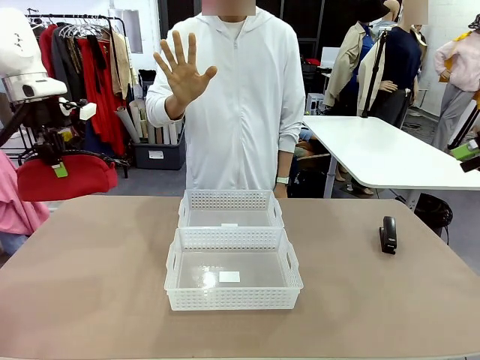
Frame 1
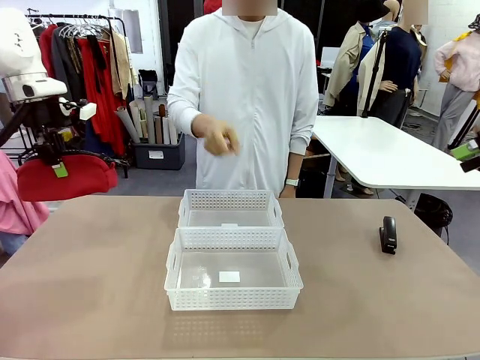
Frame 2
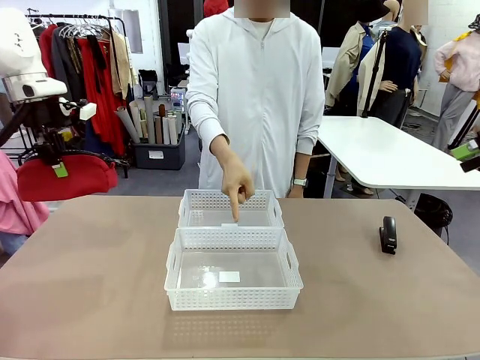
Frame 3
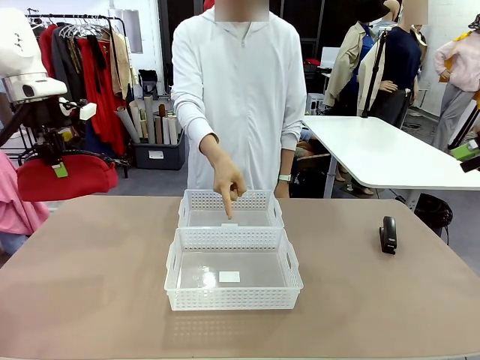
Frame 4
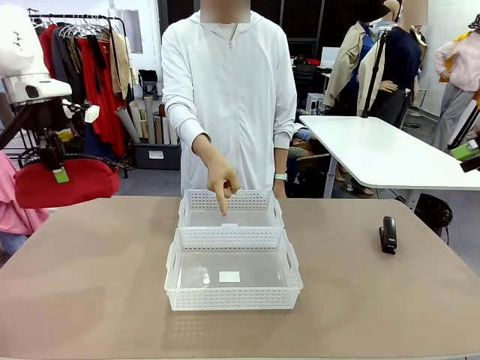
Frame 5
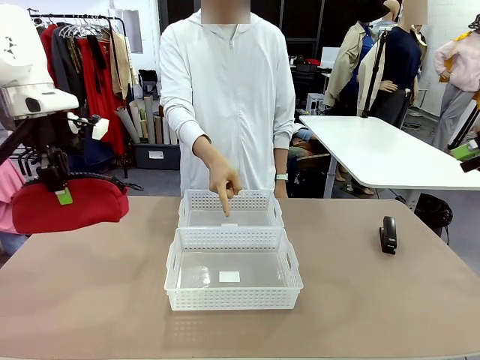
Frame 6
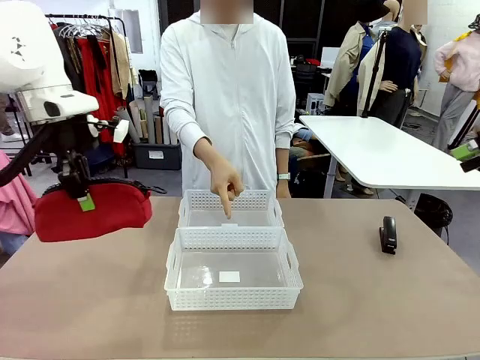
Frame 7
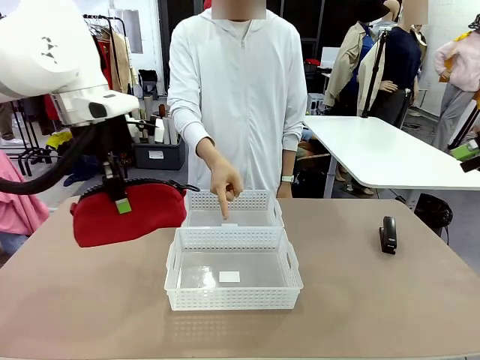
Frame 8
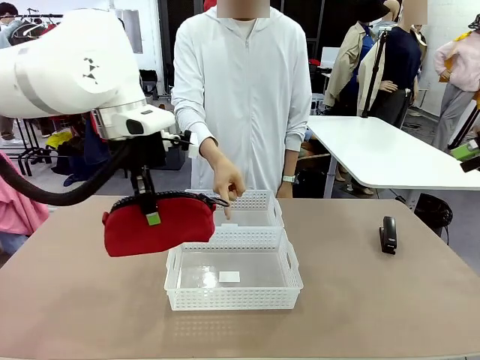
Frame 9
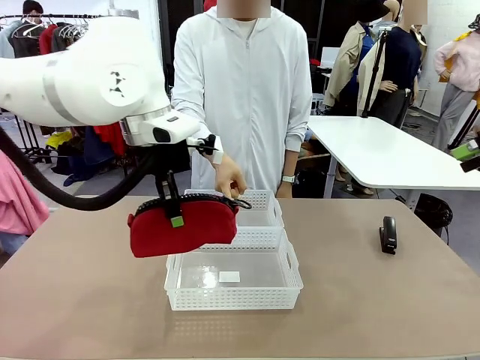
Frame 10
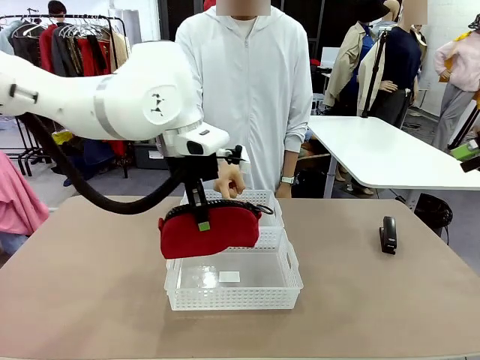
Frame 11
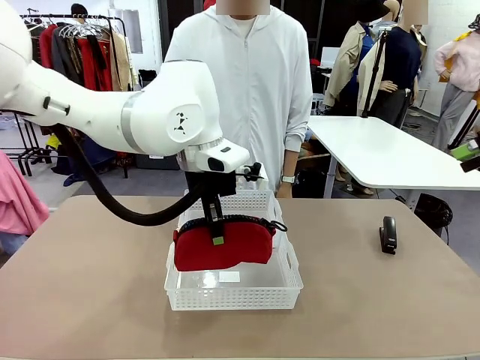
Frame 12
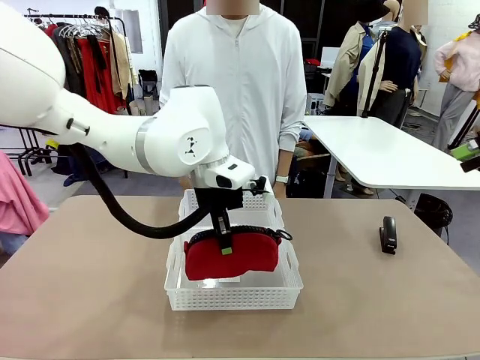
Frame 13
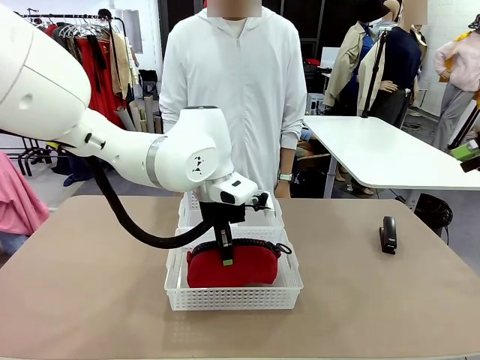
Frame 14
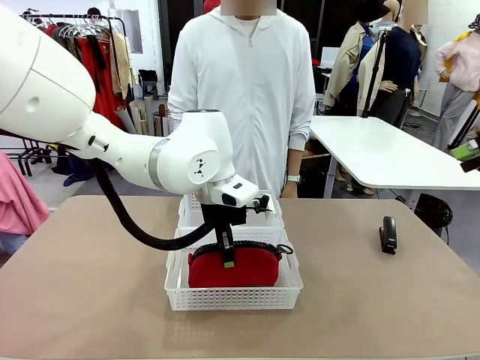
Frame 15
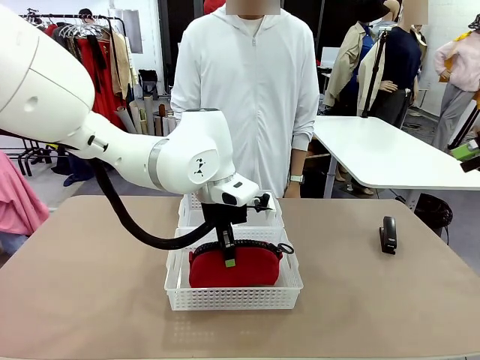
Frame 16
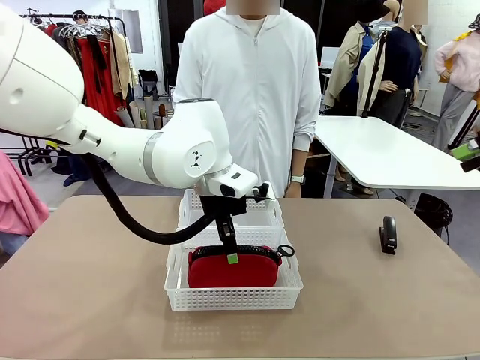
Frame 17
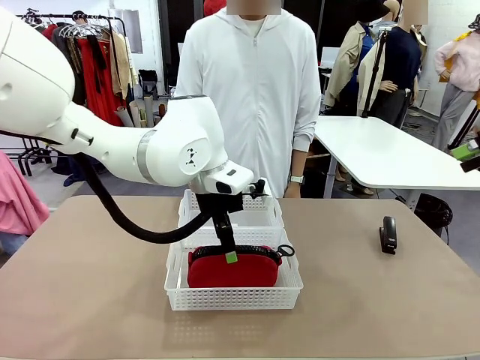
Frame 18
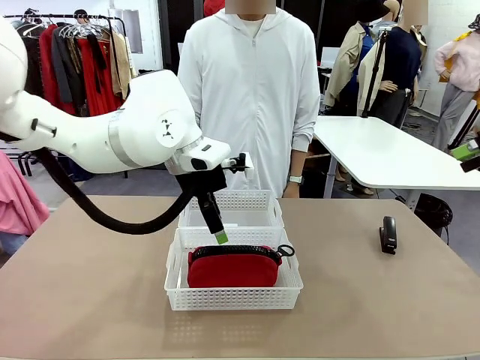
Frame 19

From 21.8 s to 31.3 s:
Task: Distribute items into two baskets.
Robot: Place the picked Pencil pouch into the Organizing basket as instructed by the person.
Person: Instructs the robot to place the pencil case into the opposite basket. Points to the stapler.

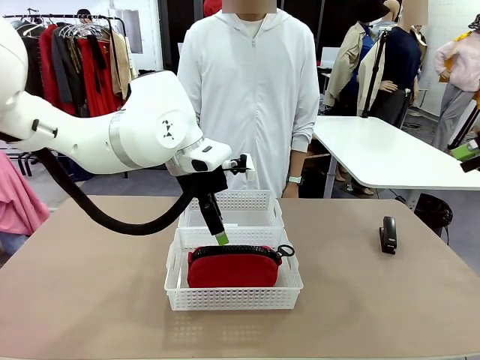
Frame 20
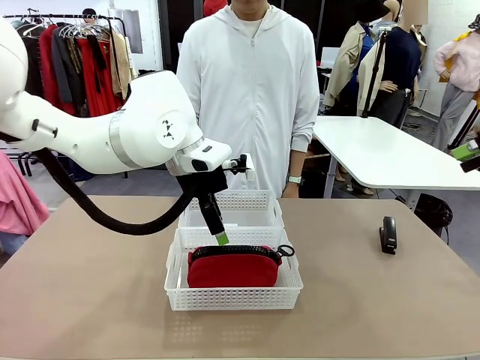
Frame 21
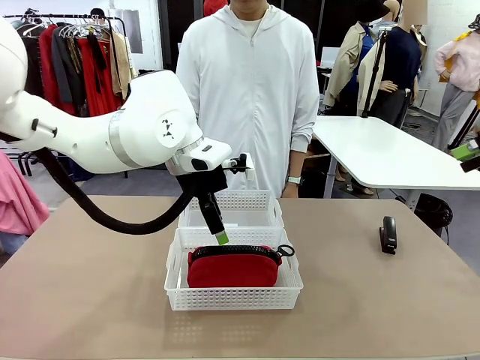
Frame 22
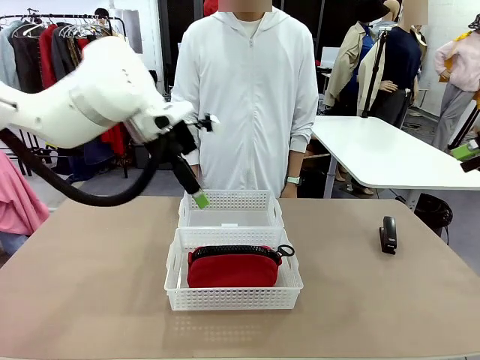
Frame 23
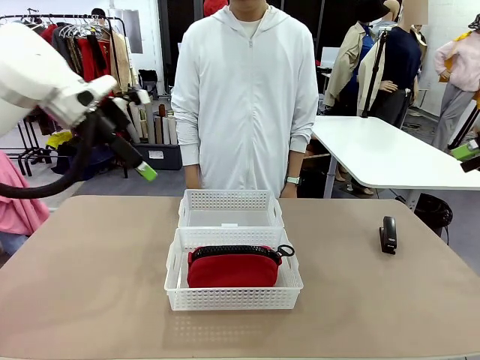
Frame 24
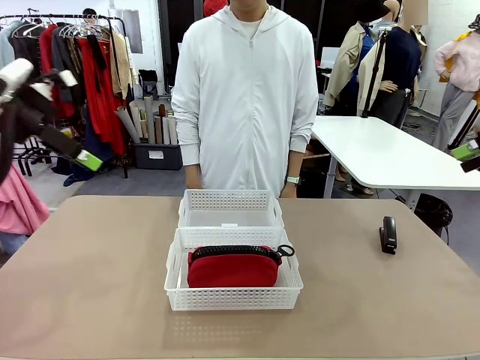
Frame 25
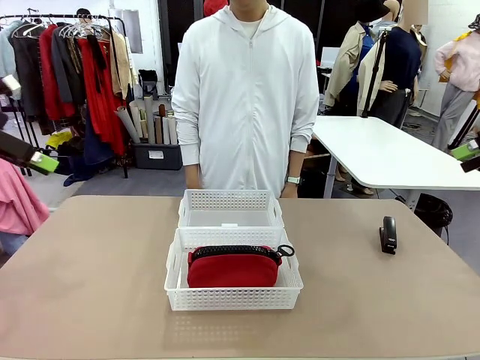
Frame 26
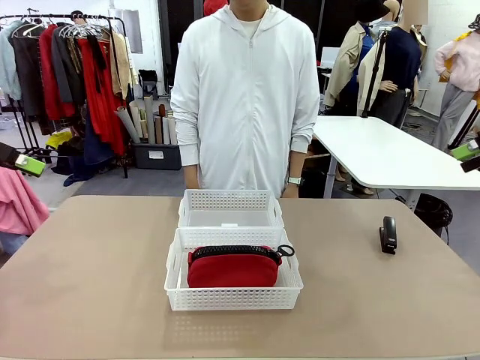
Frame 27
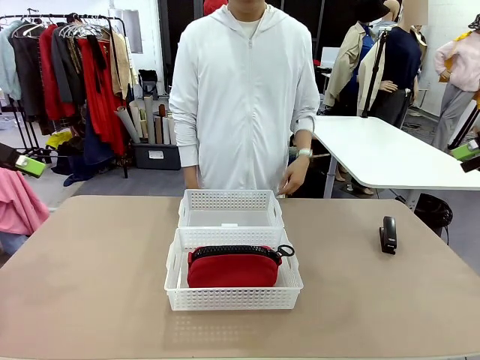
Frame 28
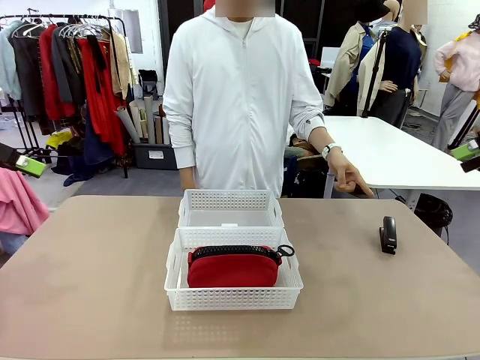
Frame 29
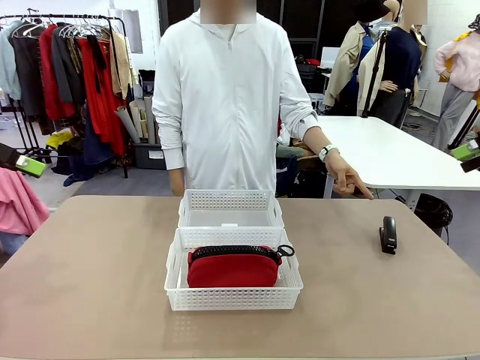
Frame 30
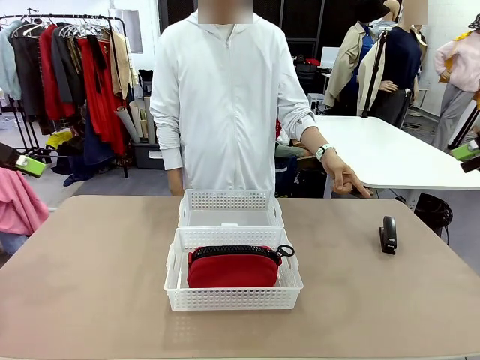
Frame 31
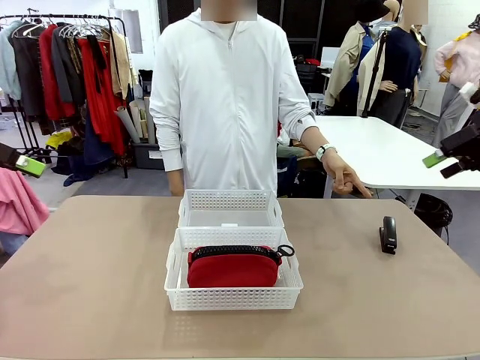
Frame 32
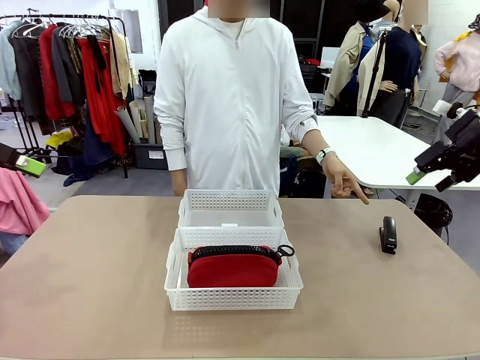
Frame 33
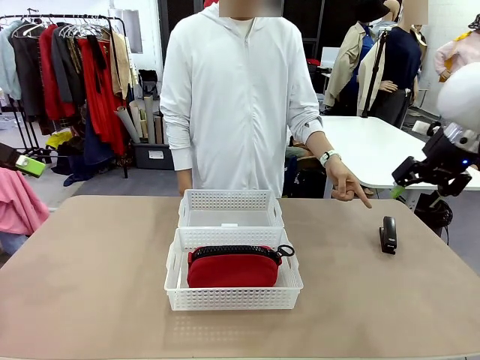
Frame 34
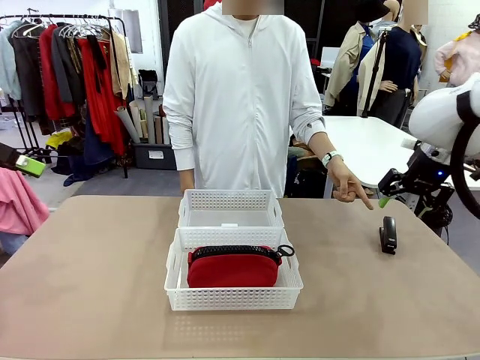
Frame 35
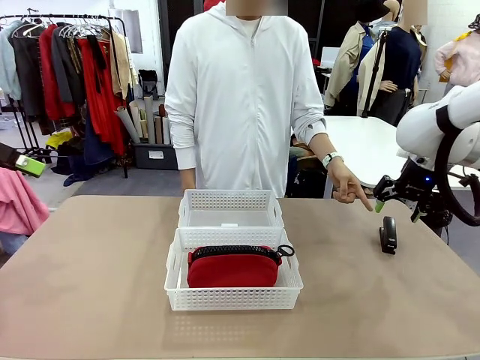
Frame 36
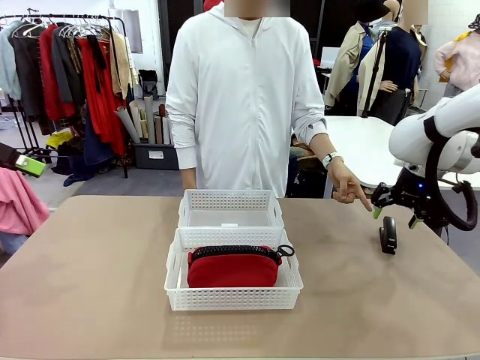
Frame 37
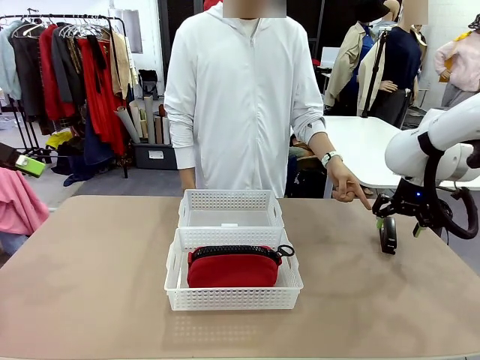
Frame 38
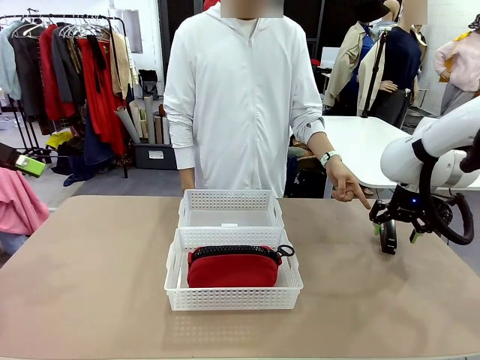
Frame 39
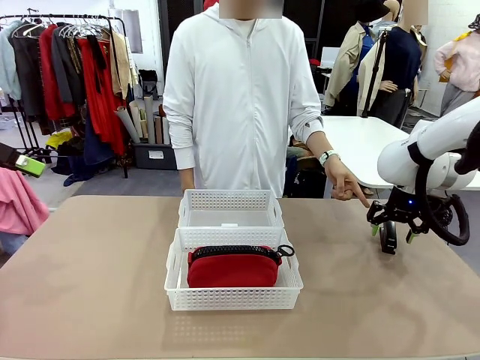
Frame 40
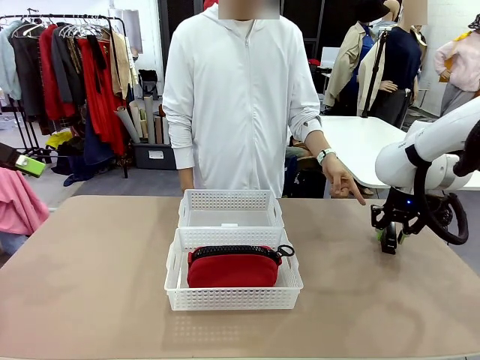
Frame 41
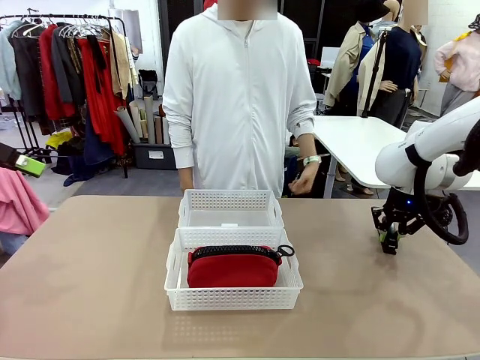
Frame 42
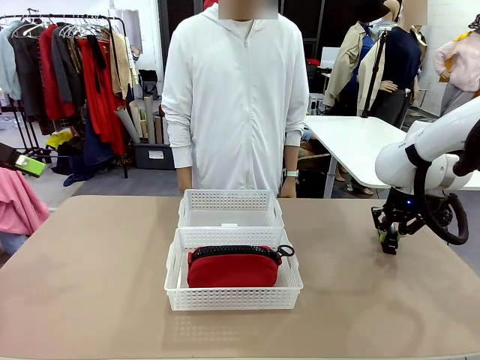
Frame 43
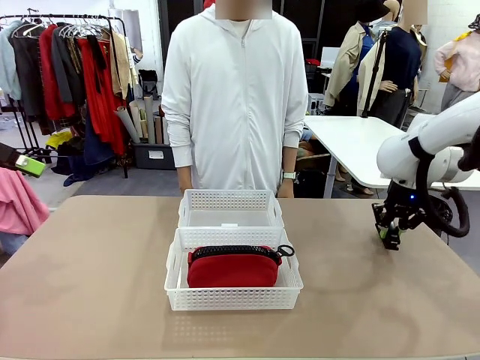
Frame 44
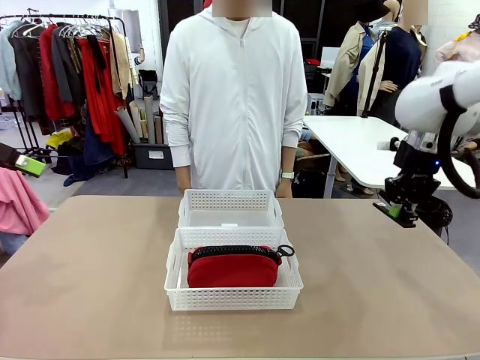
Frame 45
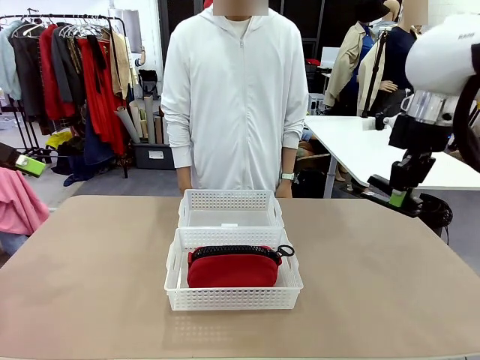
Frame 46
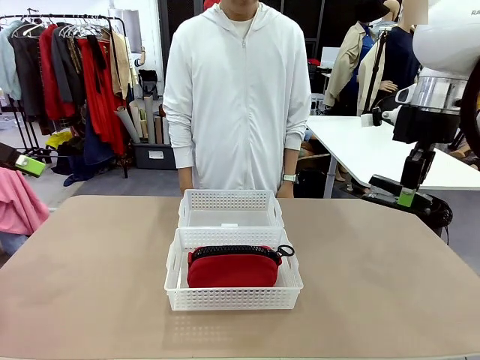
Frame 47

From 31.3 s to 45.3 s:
Robot: Pick up the Stapler that the person points to.
